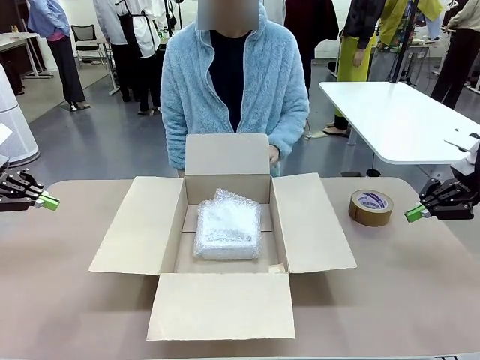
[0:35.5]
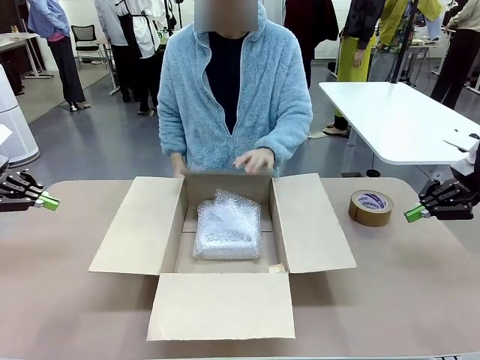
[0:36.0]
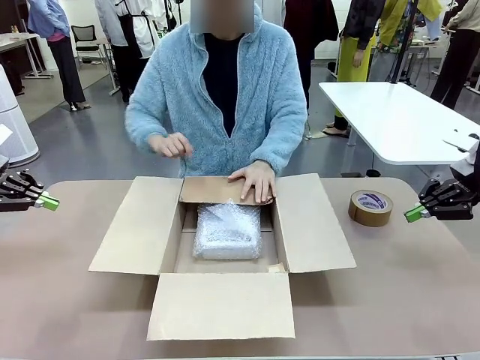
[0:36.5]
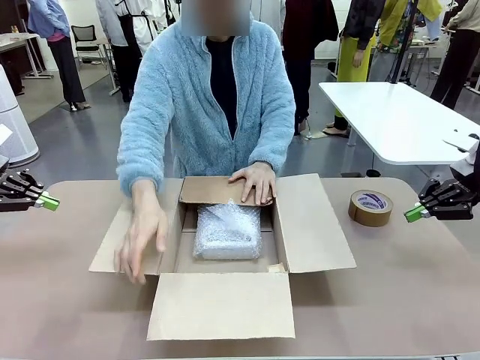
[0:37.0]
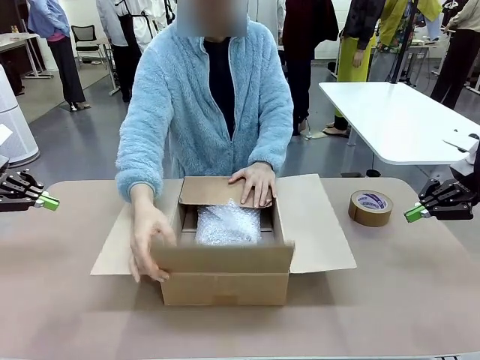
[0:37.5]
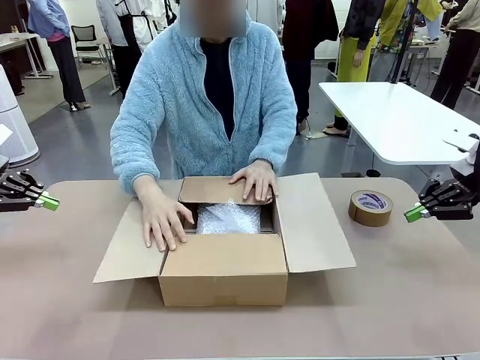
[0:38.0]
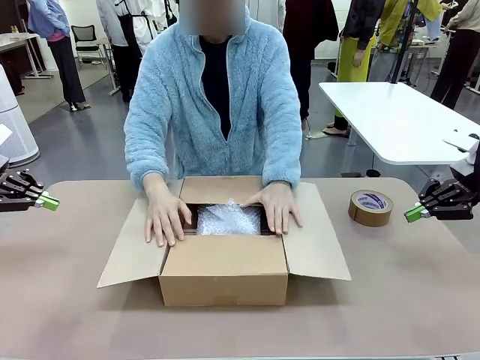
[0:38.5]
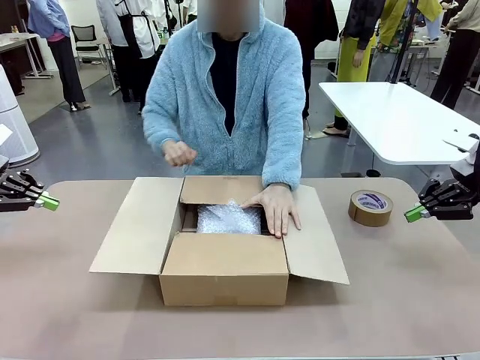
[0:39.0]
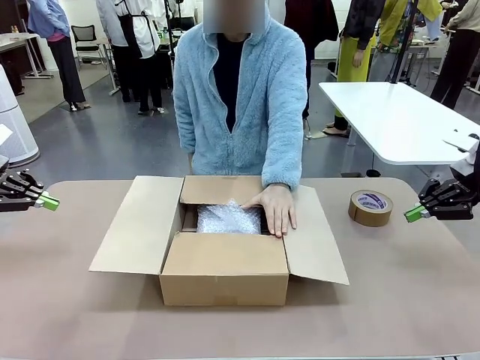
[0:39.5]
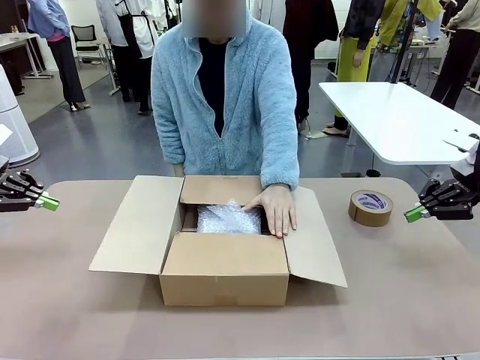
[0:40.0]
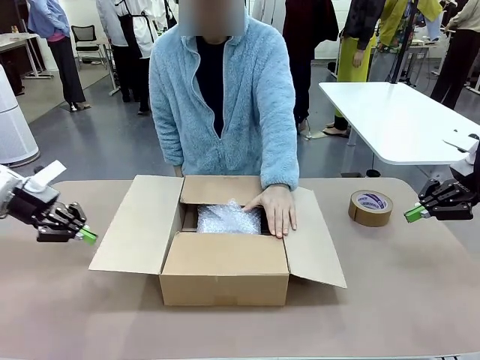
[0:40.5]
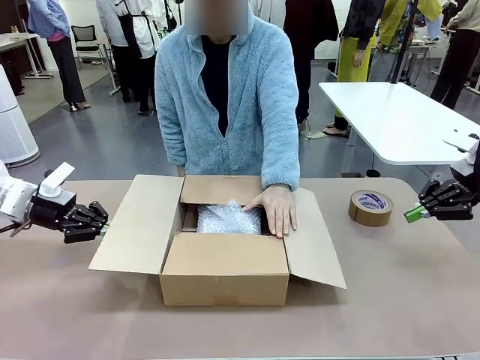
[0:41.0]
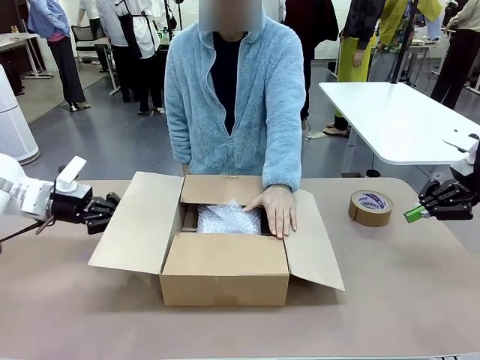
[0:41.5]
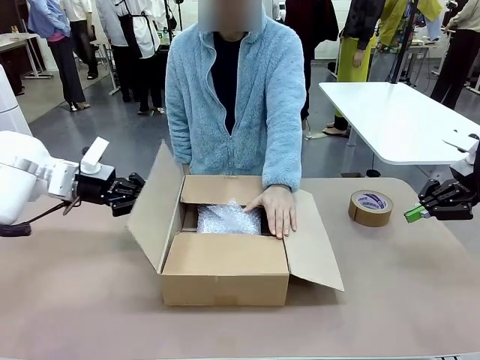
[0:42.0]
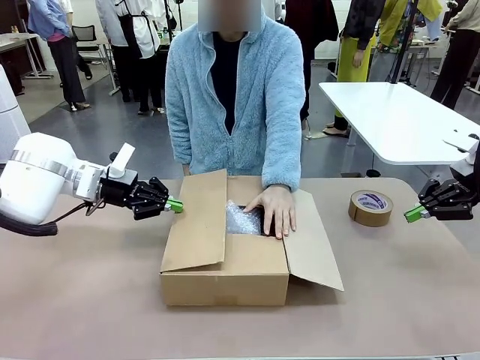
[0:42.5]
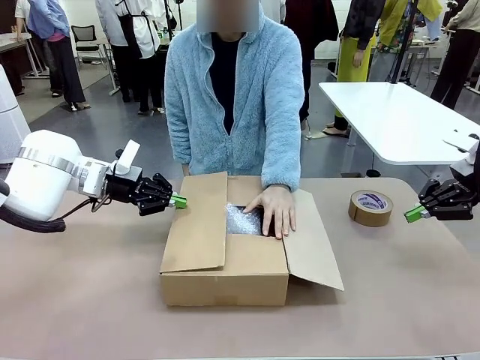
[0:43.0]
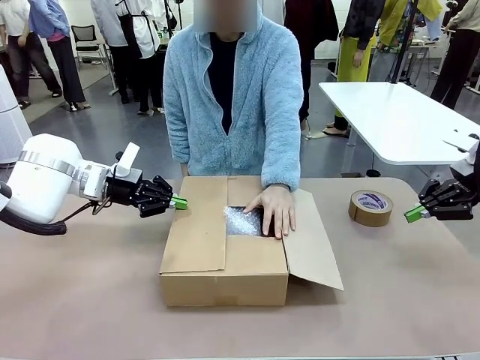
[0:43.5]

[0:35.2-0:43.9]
Task: Wrap the clocks to prevent damage.
Robot: Push the right (or left) flap of the Package Box to close it.
Person: Hold the top and bottom flaps of the Package Box closed with your left (or right) hand. Once the robot closes the right flap of the Package Box , release your left hand from the box.

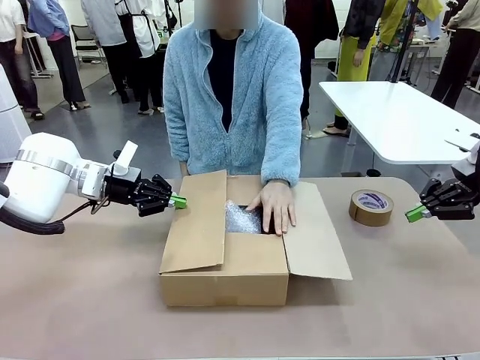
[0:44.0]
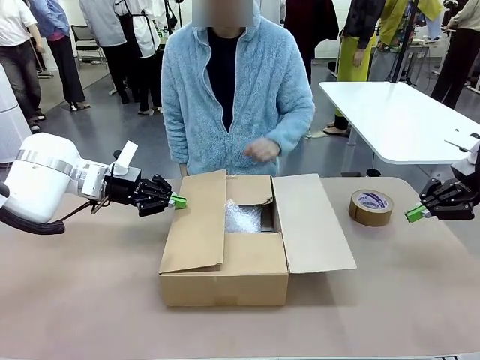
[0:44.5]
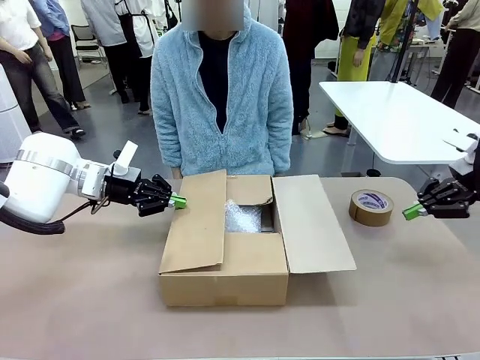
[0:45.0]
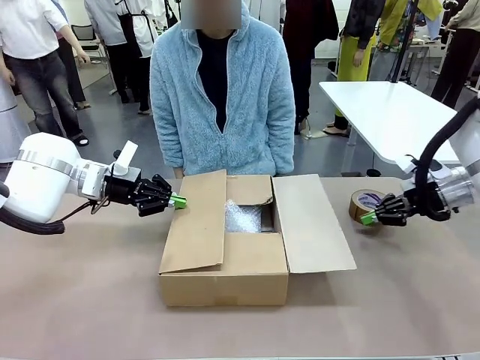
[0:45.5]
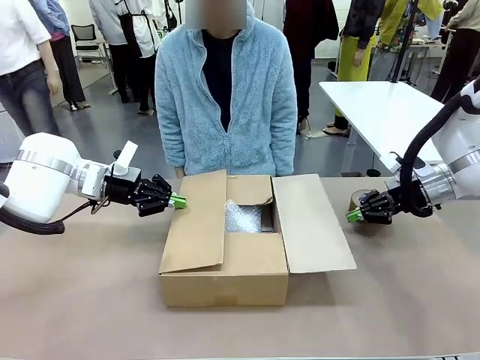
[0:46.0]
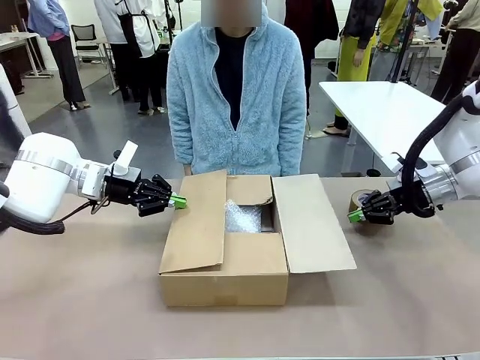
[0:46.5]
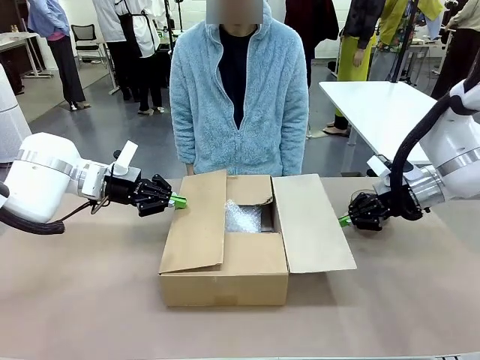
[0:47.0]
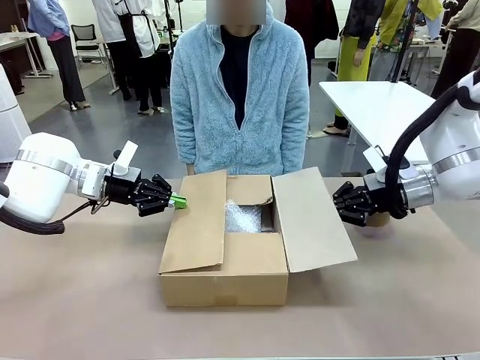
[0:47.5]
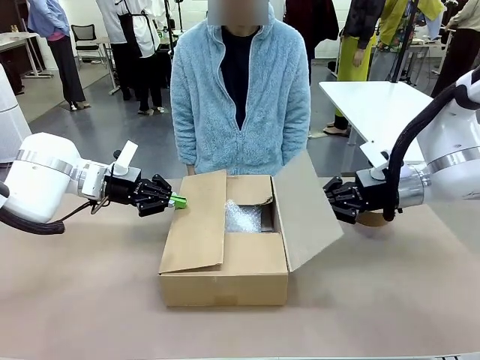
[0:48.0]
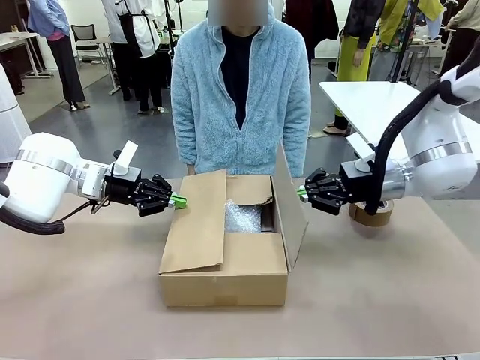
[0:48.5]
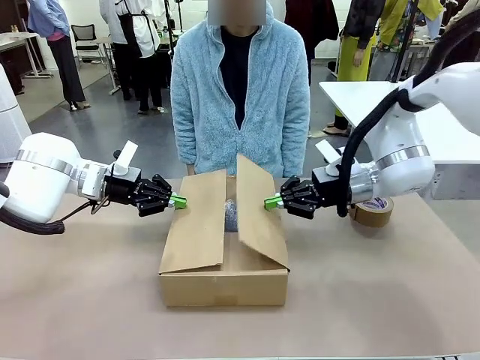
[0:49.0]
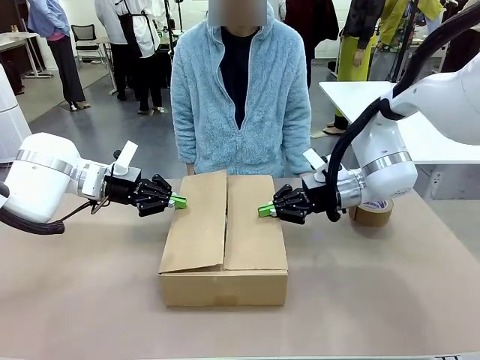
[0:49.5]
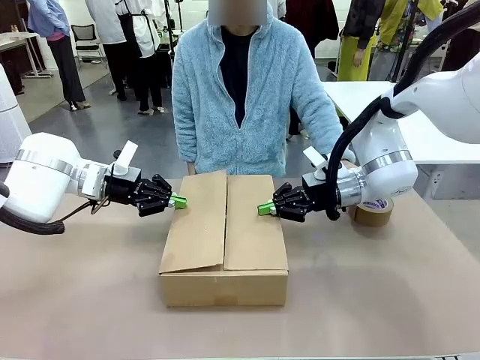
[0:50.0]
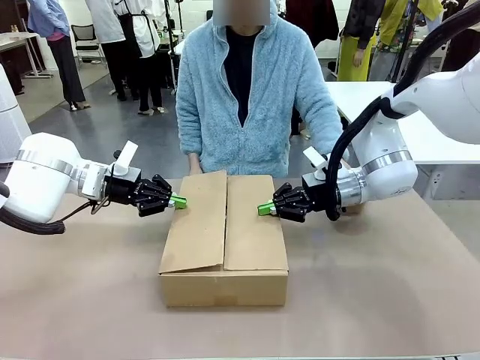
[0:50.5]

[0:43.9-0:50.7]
Robot: Push the left (or right) flap of the Package Box to close it.
